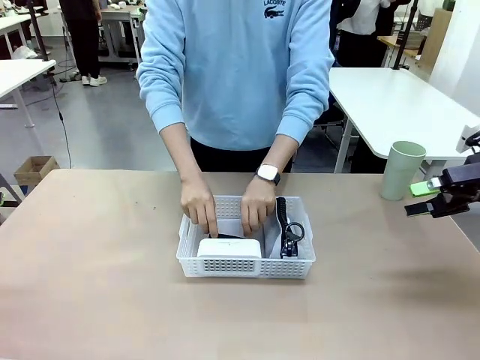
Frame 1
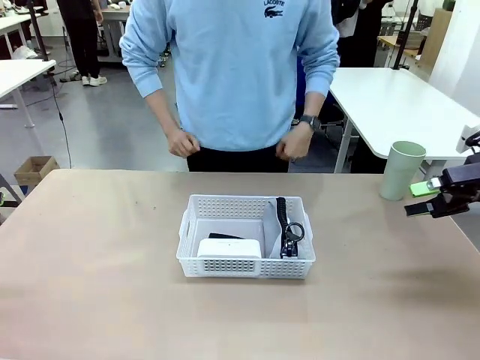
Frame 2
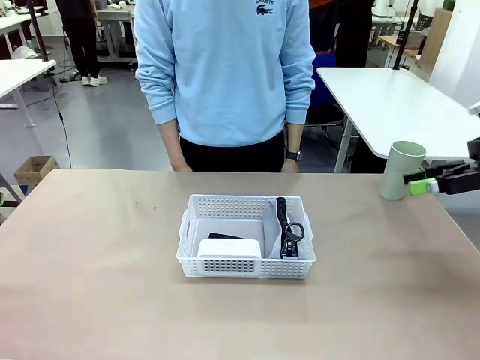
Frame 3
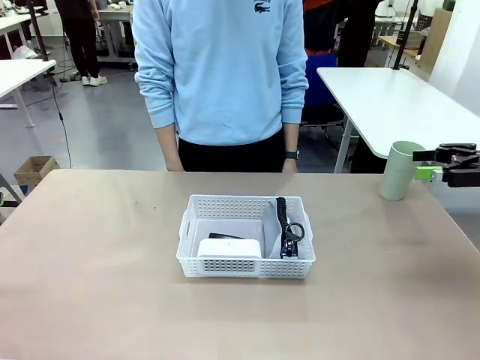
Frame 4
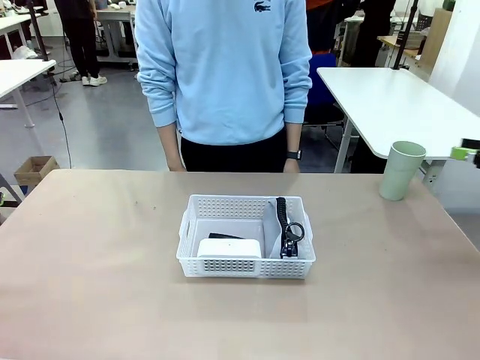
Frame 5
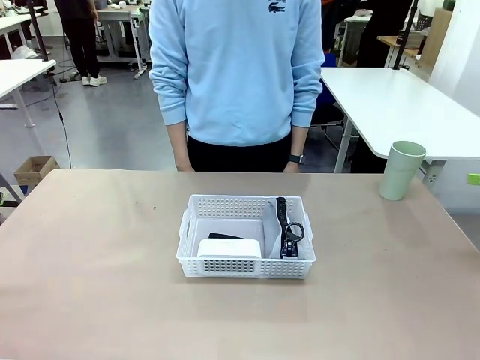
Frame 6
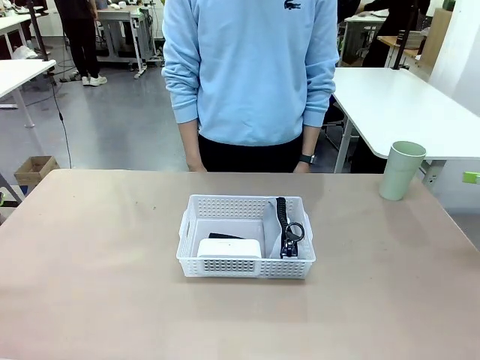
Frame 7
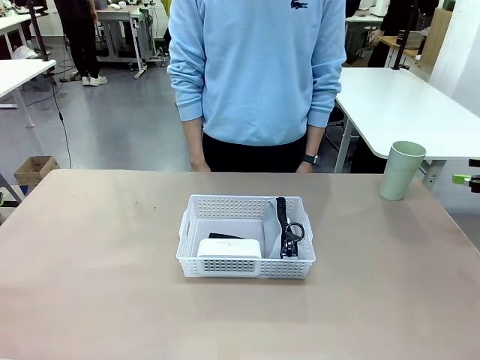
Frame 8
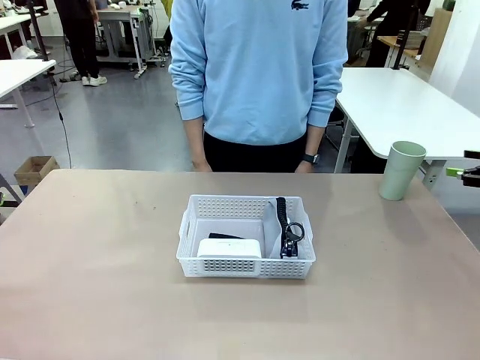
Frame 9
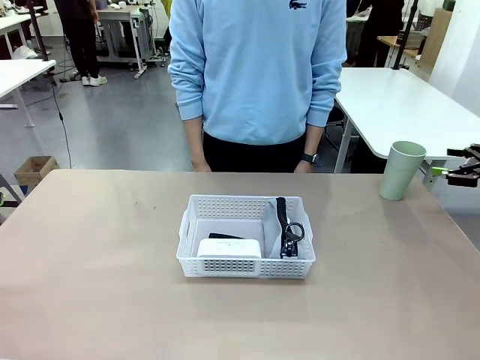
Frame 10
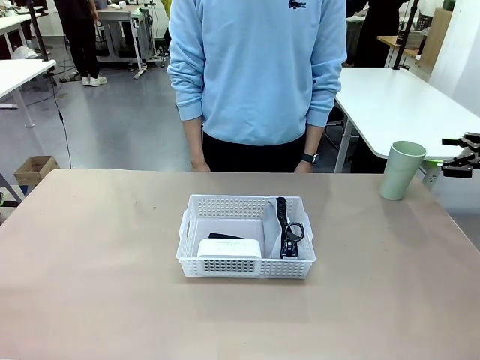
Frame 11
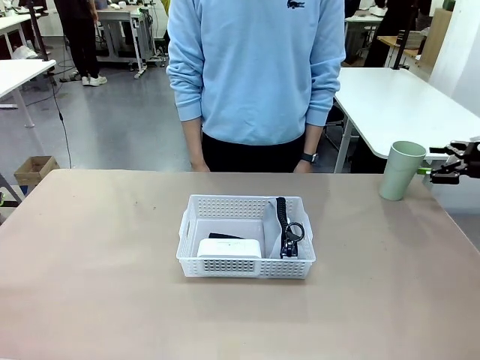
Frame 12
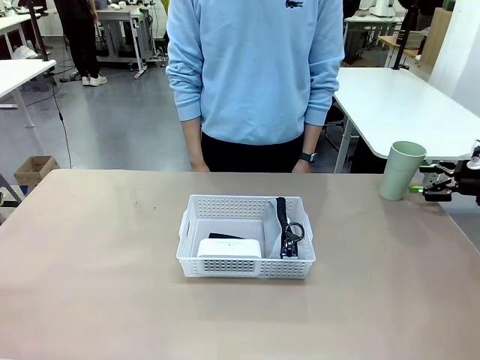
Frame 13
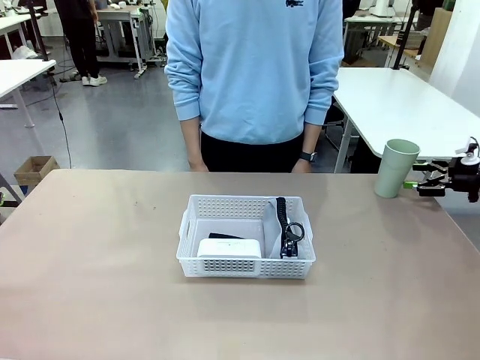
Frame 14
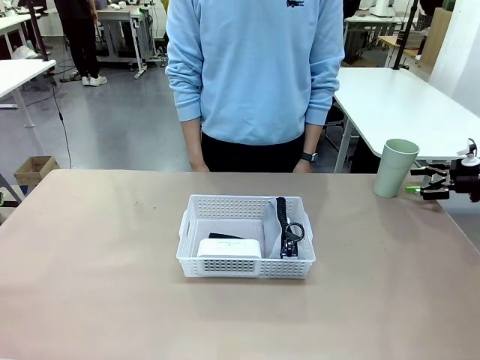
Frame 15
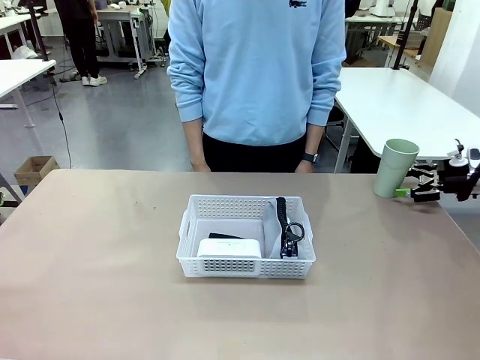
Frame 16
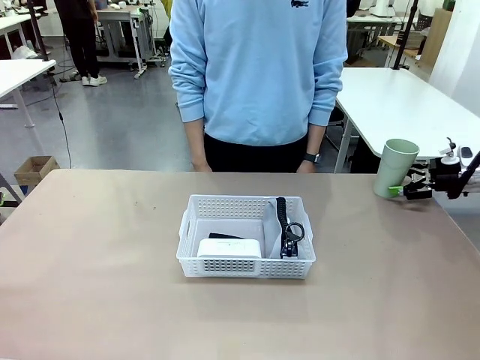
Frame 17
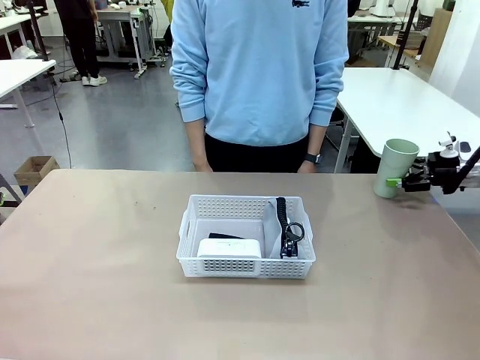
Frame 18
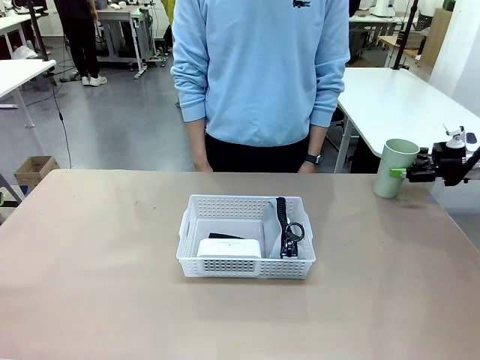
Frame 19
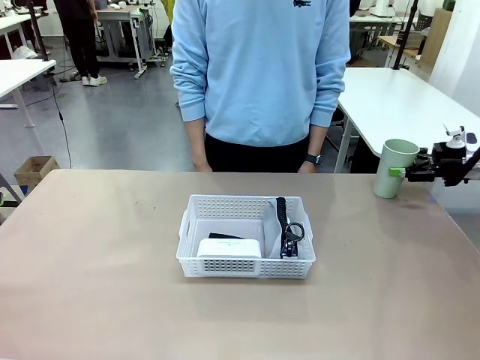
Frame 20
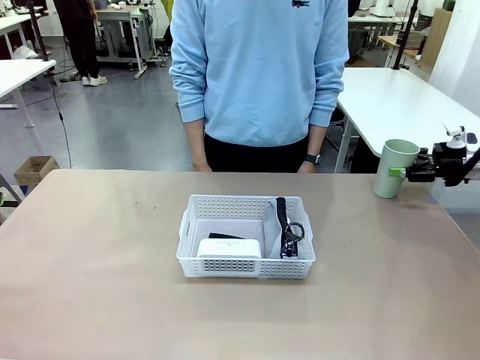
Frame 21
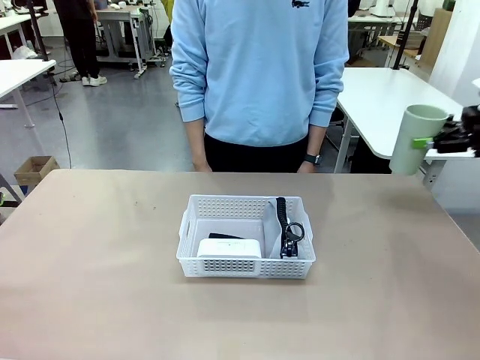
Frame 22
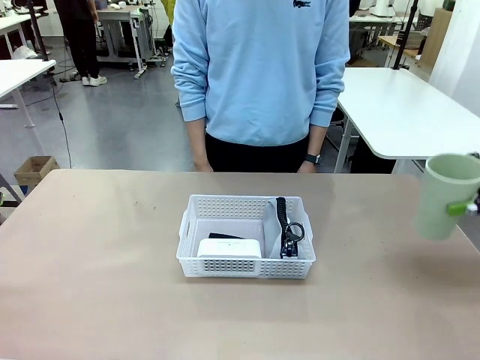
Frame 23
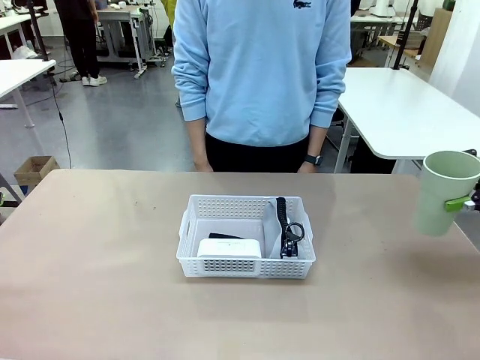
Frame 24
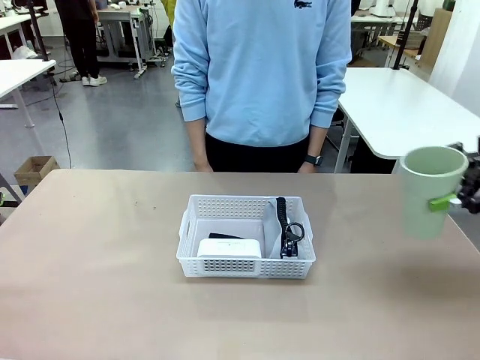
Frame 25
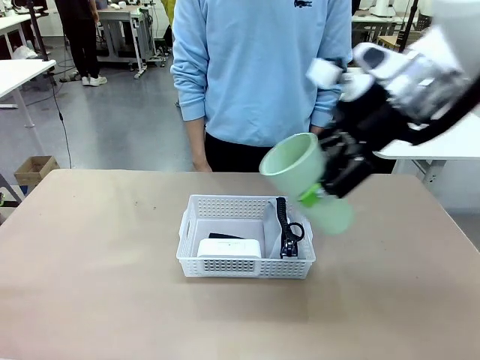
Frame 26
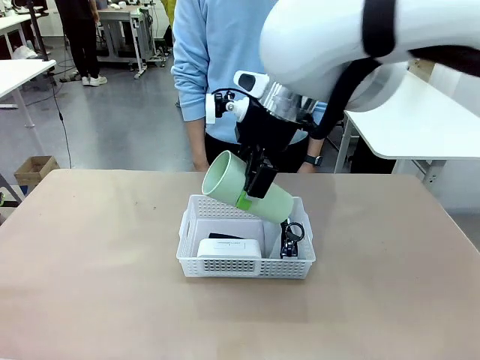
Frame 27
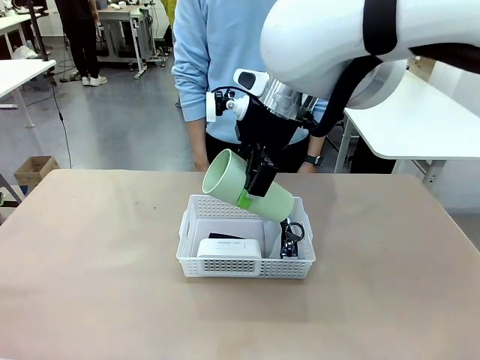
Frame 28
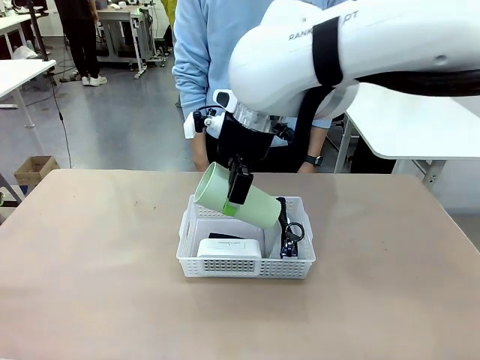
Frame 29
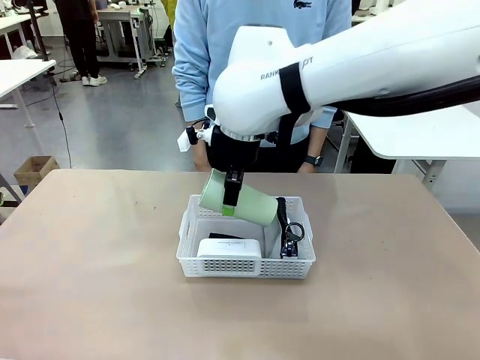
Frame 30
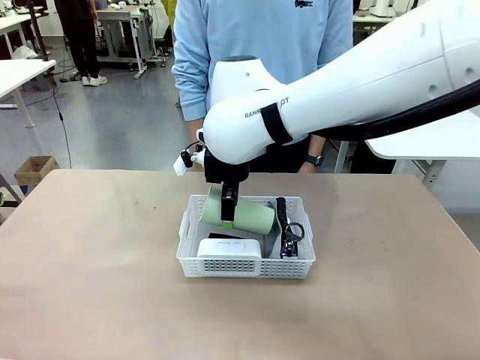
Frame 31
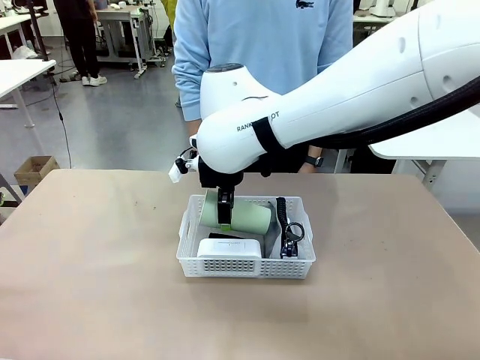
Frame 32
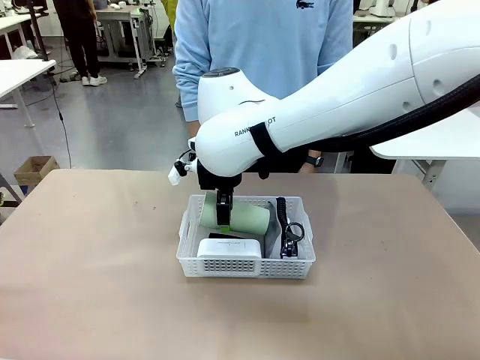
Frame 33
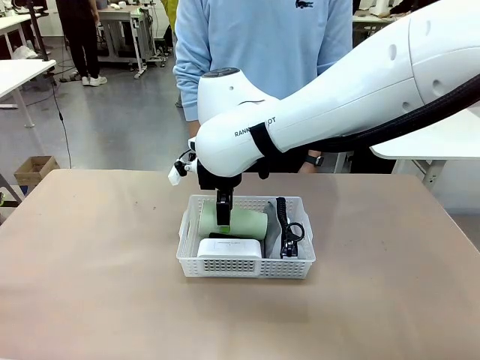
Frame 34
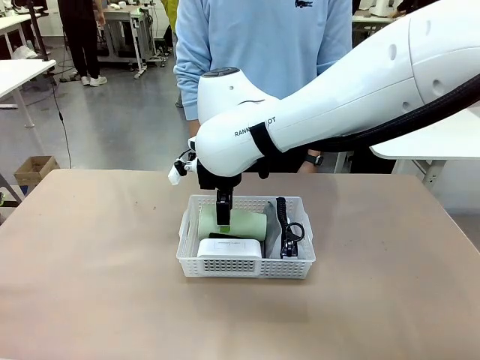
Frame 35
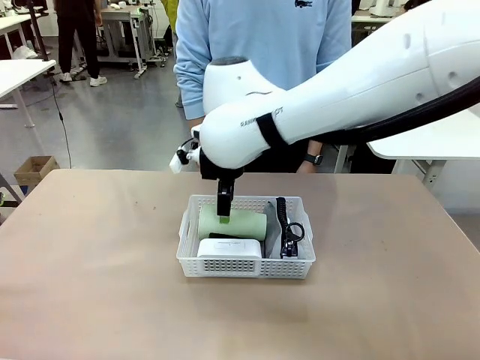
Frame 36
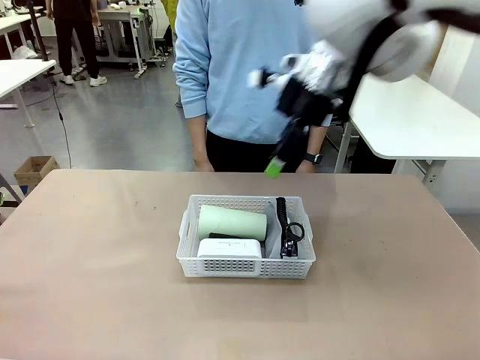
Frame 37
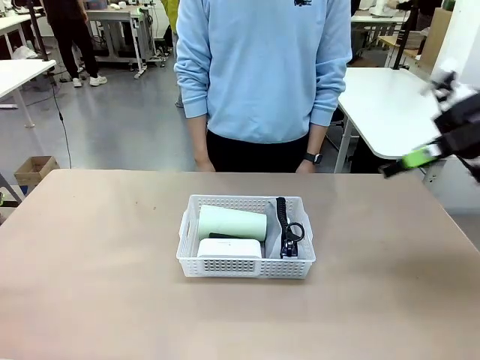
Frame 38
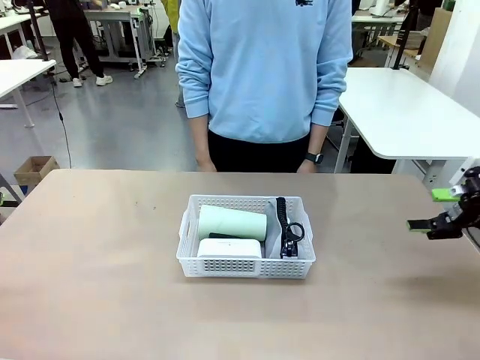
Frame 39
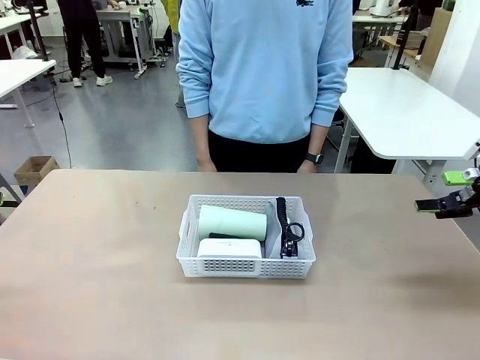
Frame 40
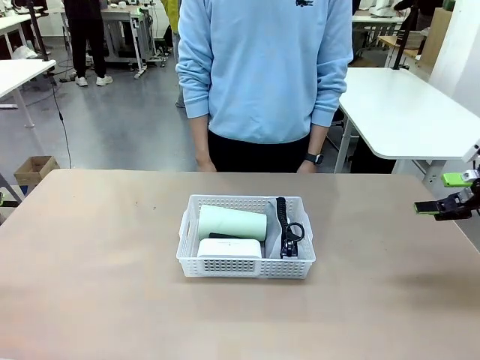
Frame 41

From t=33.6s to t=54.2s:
Task: Efficiently arrange items inside the basket to fit them all.
Robot: Pick up the Reusable plastic cup and place it inside the Organizing basket.
Person: Repositions the stapler.
